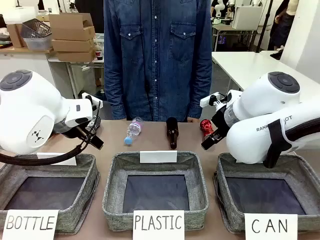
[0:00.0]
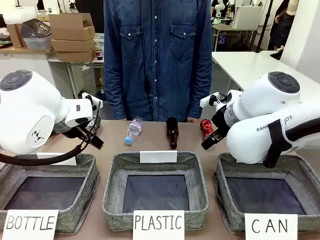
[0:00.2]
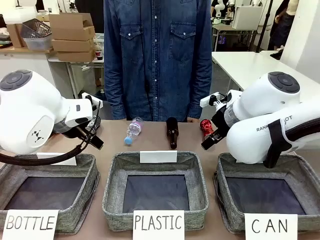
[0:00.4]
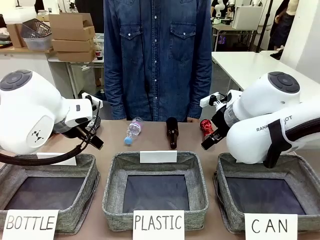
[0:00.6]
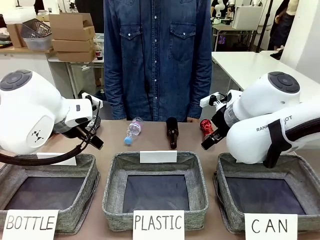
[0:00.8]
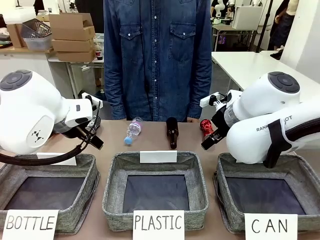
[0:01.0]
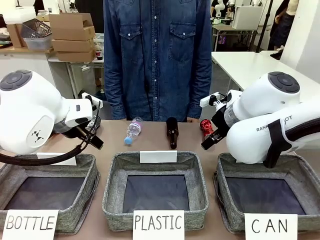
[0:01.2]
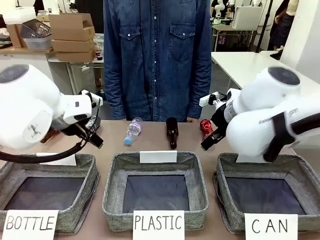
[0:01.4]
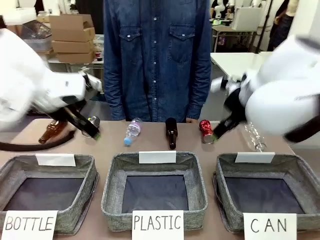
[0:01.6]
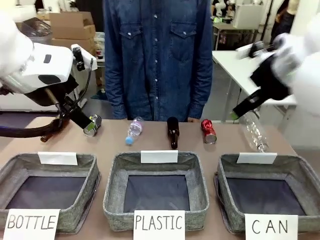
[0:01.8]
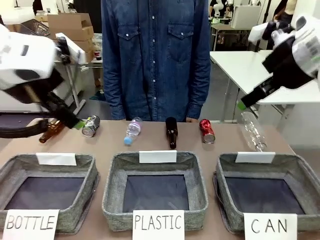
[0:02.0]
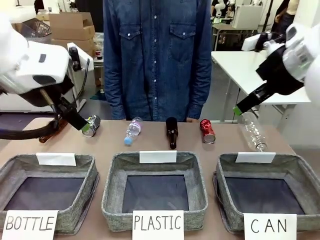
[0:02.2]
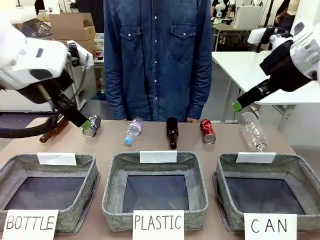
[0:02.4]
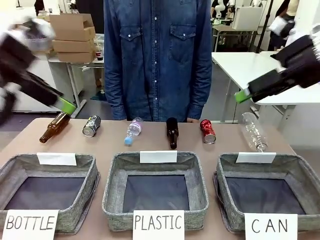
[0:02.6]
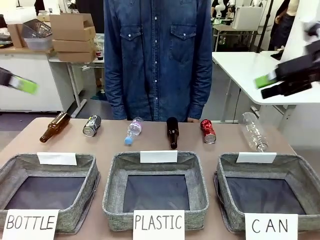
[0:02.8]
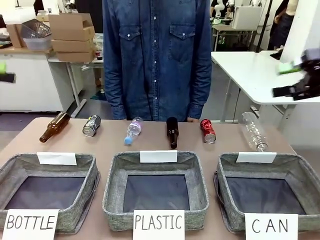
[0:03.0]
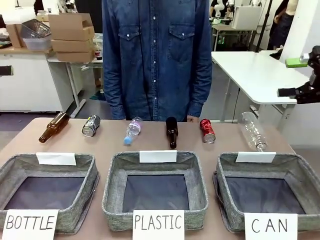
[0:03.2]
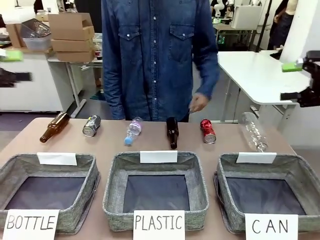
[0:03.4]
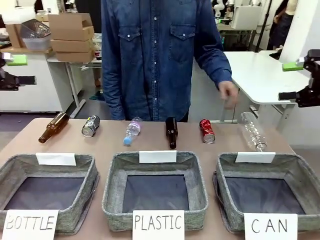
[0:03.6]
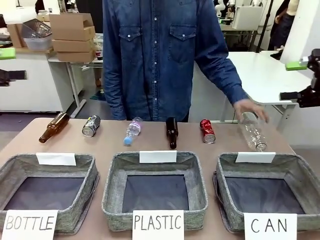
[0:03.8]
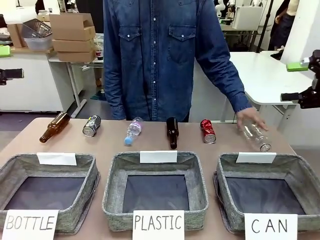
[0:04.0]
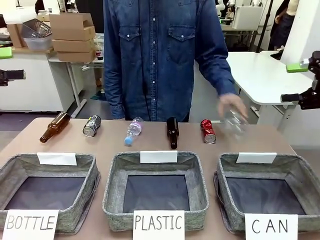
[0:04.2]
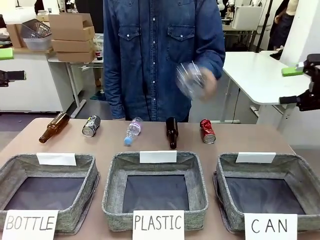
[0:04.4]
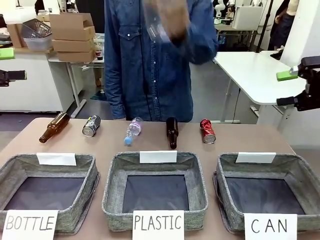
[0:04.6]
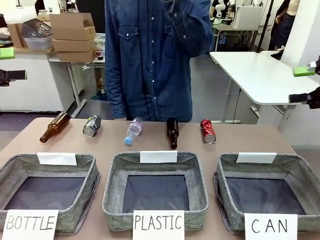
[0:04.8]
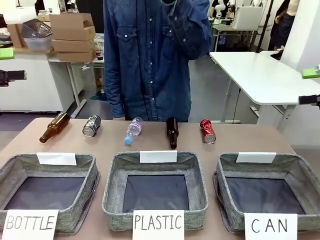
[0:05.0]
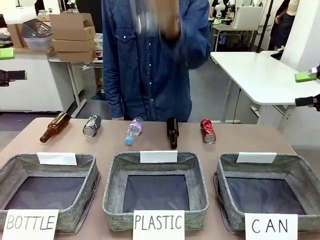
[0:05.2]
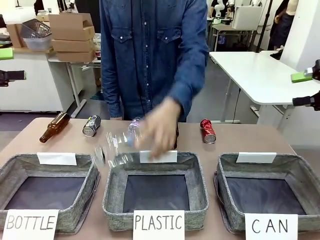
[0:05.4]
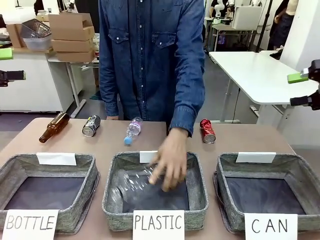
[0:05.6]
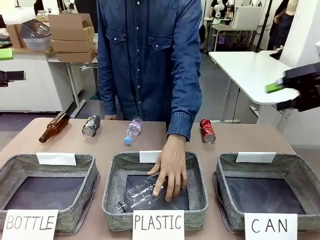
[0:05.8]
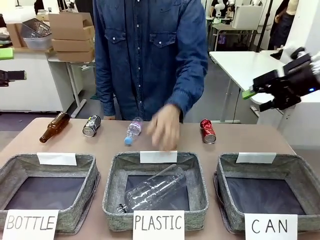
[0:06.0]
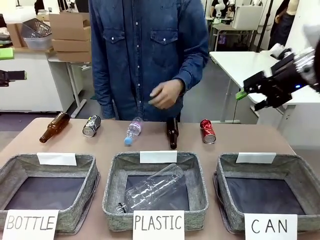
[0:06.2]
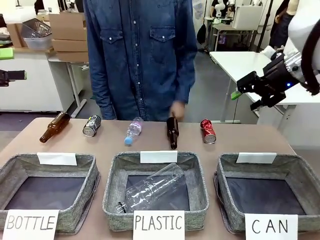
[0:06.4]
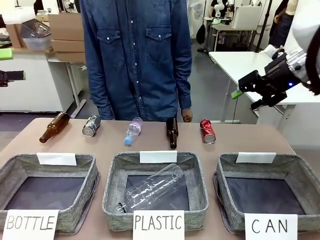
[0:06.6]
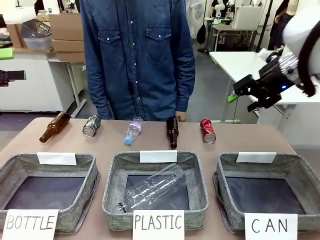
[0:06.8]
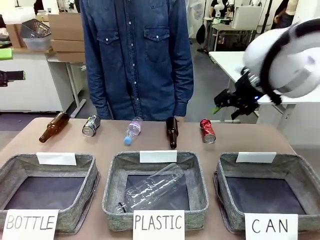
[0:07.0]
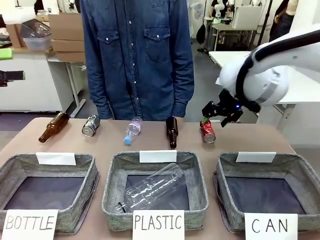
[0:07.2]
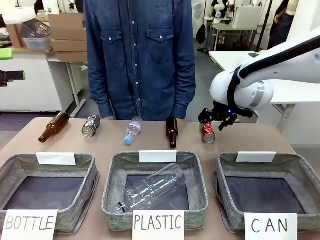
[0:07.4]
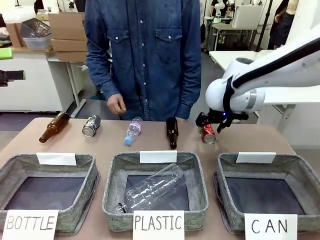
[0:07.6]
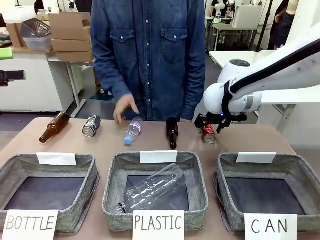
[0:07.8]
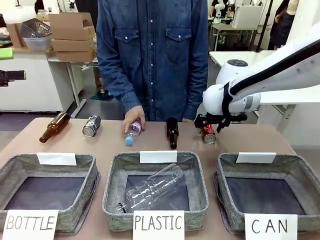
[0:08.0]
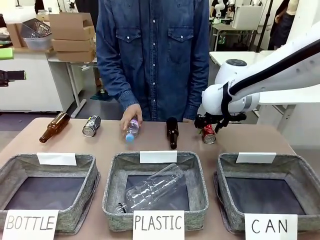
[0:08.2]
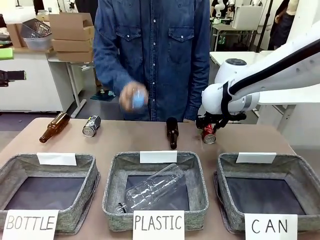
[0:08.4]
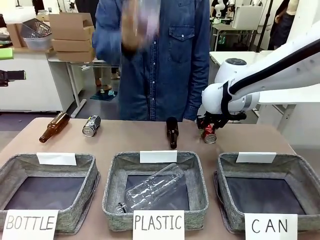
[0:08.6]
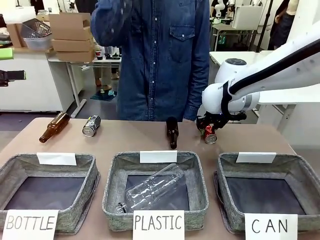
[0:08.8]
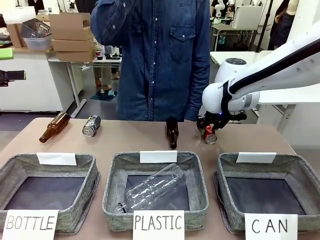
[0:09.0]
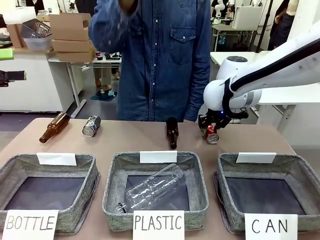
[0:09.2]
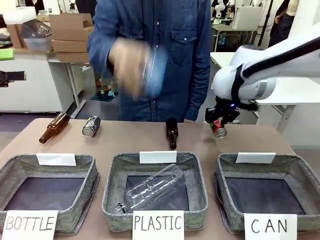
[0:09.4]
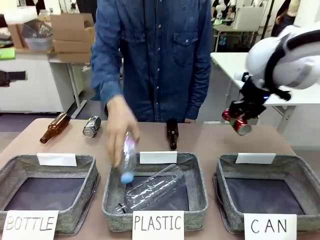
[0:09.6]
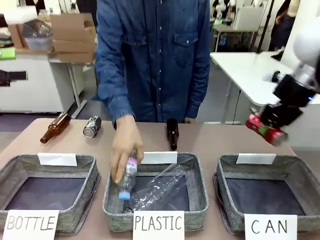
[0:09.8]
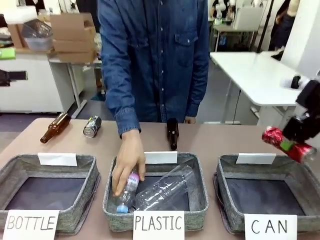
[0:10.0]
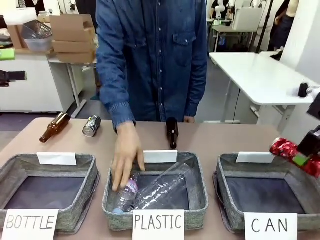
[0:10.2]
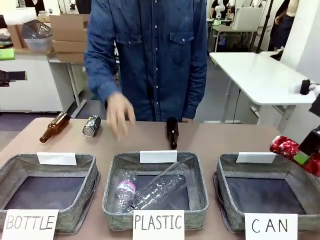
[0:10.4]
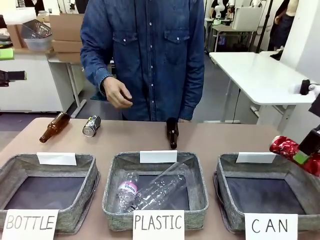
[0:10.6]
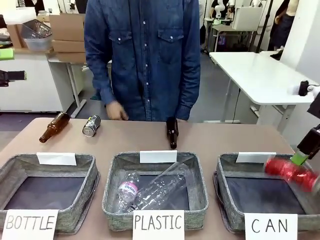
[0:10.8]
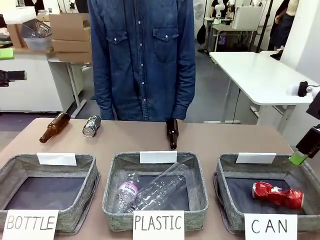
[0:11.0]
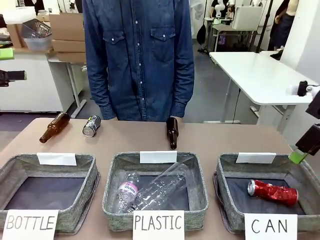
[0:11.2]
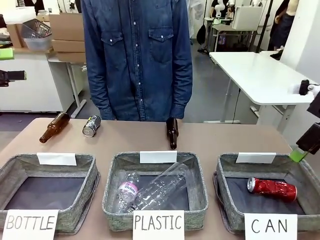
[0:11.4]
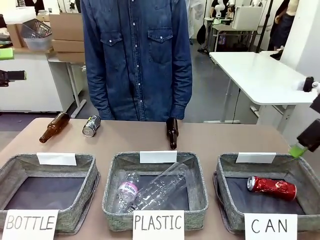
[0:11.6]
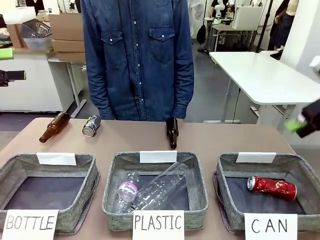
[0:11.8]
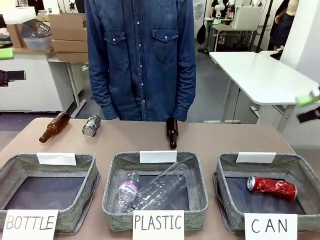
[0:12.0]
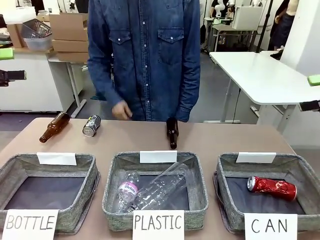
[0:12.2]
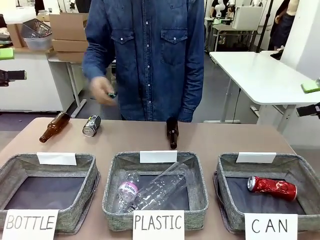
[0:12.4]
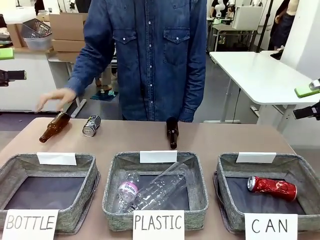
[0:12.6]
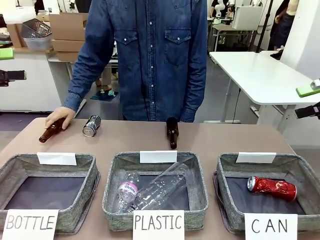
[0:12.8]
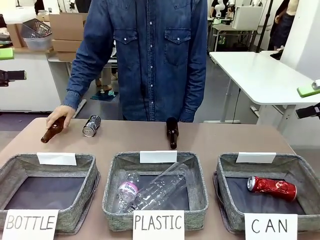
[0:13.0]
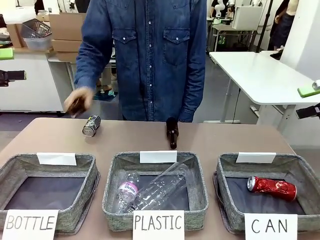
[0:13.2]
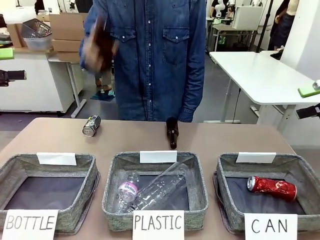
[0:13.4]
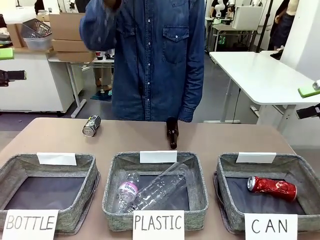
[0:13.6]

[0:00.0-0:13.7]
Task: Sort the can waste into the basket.
Robot: Pick up the can waste from the table and place it in the right Fabric basket.
